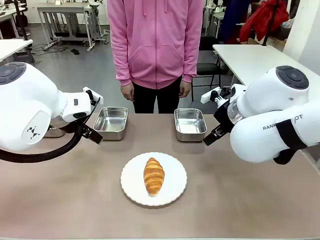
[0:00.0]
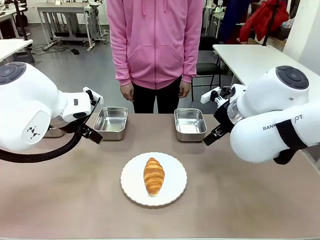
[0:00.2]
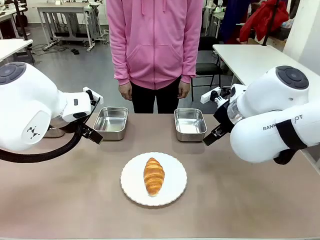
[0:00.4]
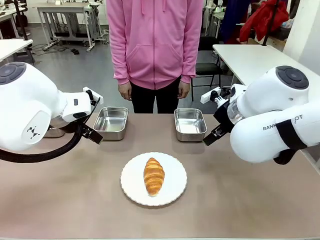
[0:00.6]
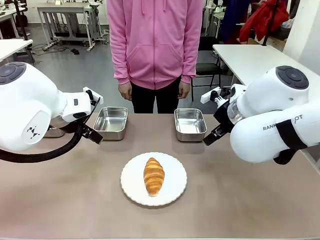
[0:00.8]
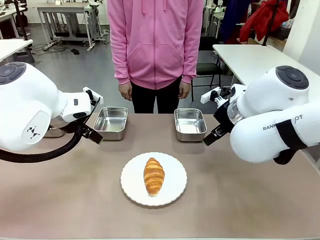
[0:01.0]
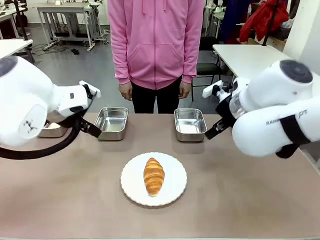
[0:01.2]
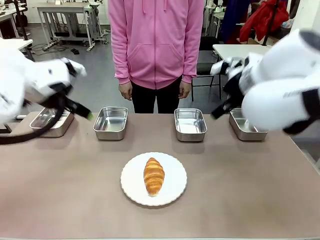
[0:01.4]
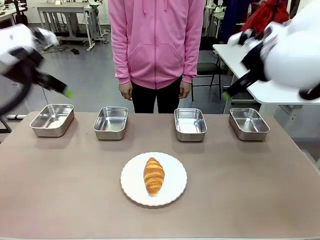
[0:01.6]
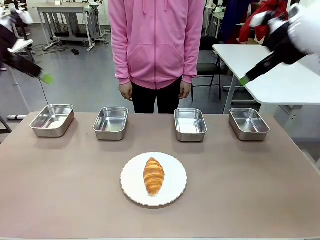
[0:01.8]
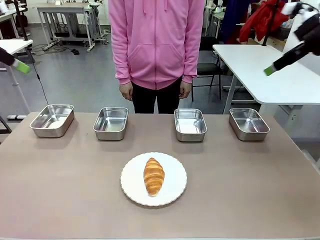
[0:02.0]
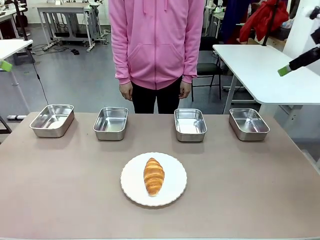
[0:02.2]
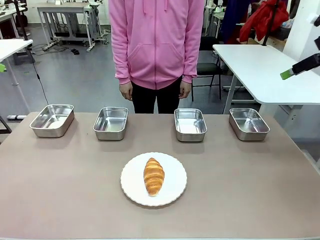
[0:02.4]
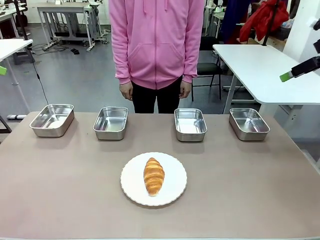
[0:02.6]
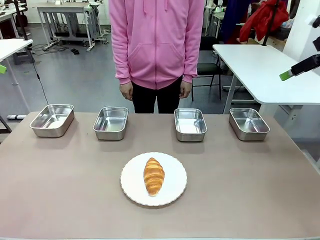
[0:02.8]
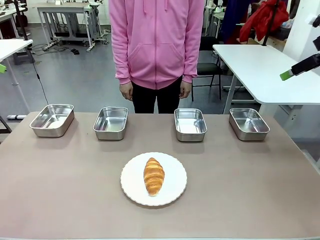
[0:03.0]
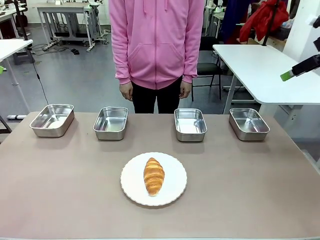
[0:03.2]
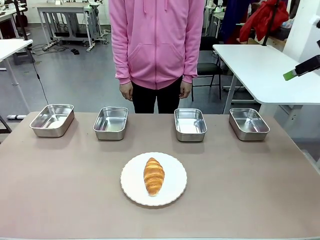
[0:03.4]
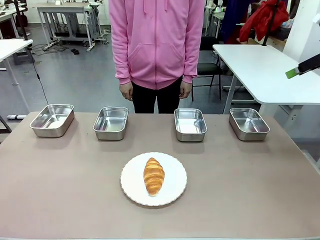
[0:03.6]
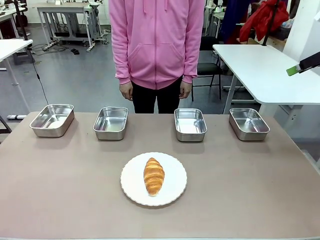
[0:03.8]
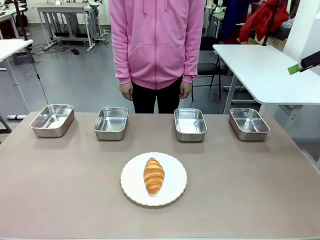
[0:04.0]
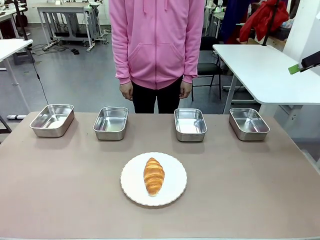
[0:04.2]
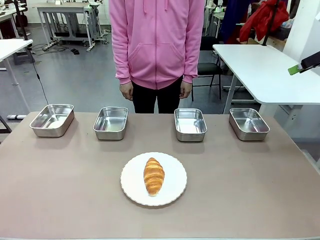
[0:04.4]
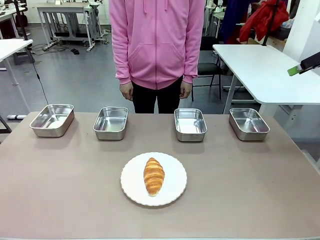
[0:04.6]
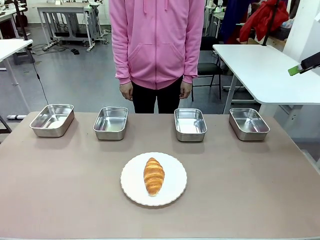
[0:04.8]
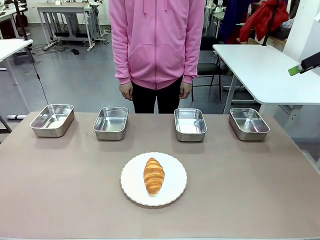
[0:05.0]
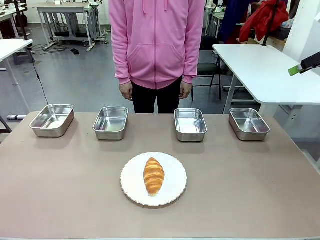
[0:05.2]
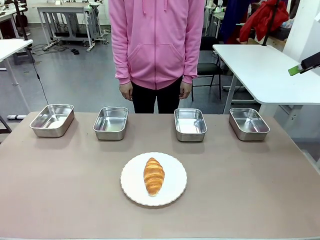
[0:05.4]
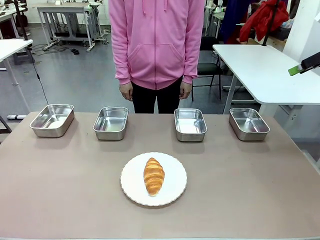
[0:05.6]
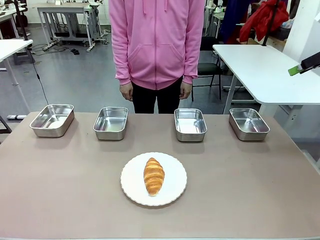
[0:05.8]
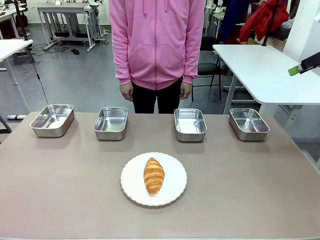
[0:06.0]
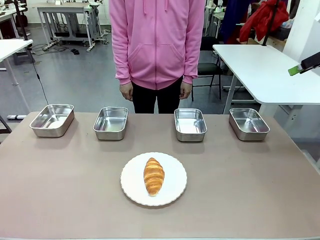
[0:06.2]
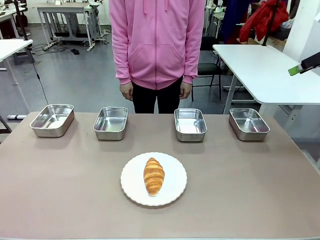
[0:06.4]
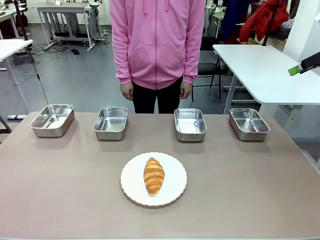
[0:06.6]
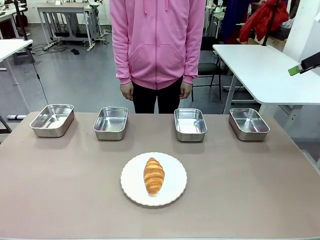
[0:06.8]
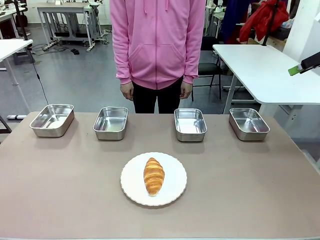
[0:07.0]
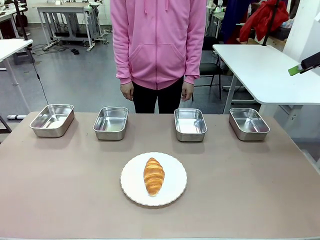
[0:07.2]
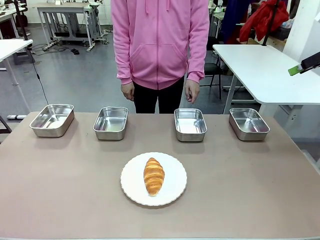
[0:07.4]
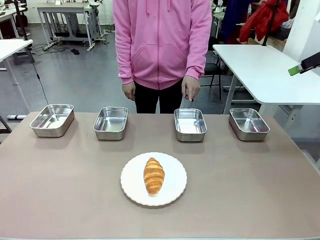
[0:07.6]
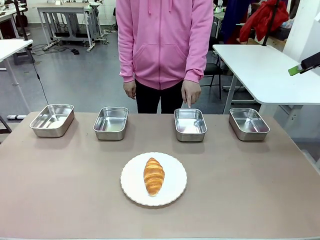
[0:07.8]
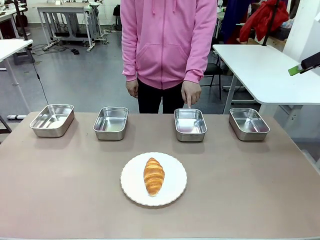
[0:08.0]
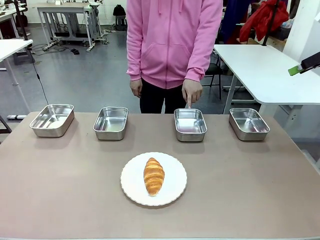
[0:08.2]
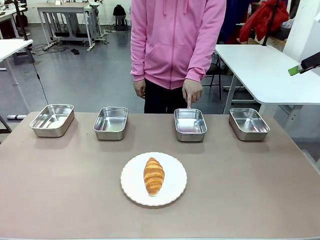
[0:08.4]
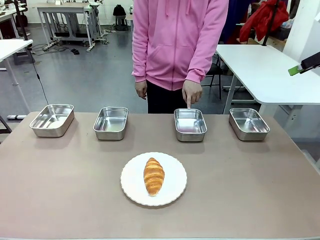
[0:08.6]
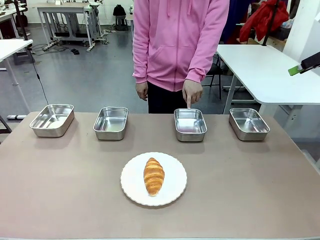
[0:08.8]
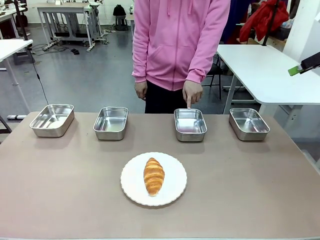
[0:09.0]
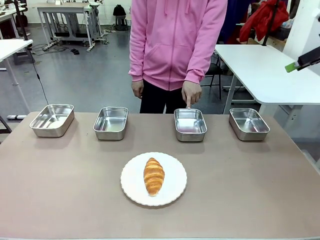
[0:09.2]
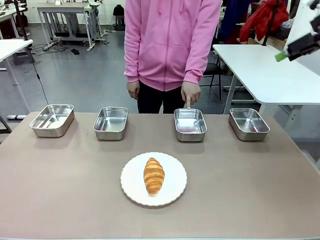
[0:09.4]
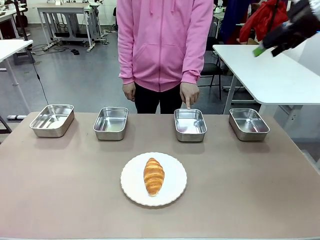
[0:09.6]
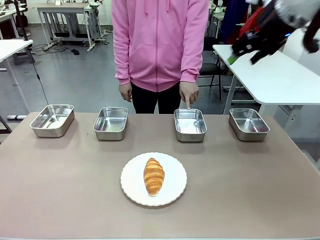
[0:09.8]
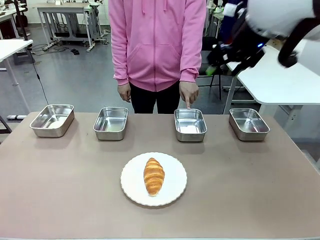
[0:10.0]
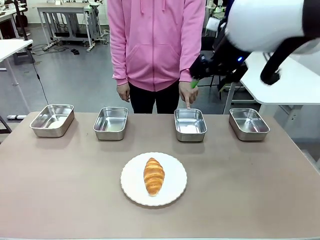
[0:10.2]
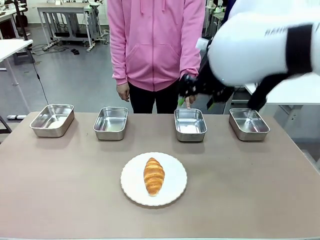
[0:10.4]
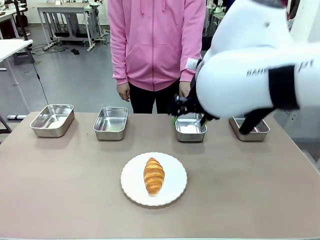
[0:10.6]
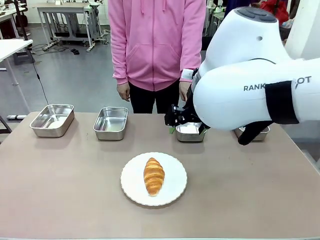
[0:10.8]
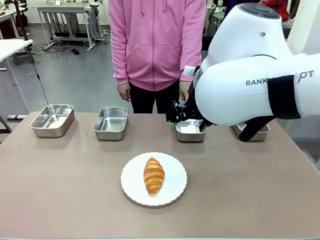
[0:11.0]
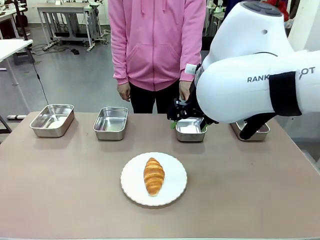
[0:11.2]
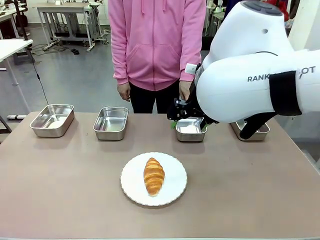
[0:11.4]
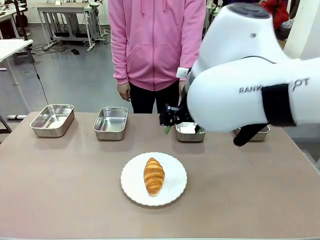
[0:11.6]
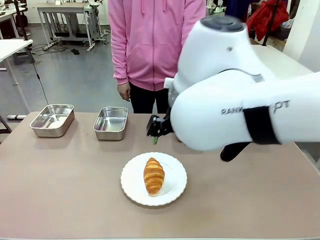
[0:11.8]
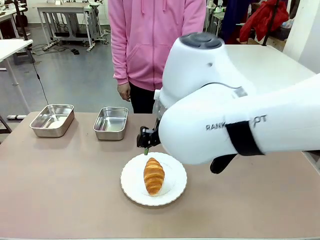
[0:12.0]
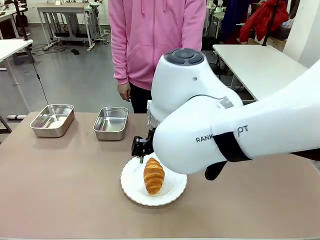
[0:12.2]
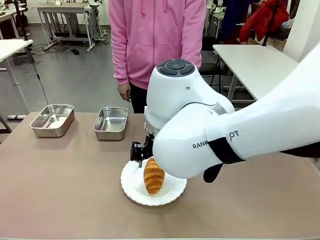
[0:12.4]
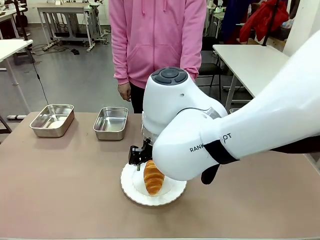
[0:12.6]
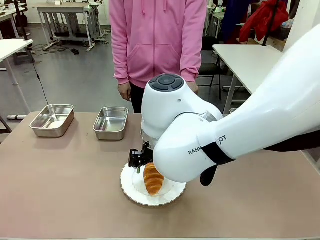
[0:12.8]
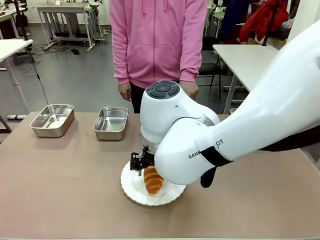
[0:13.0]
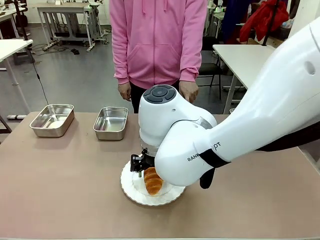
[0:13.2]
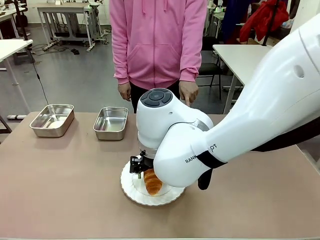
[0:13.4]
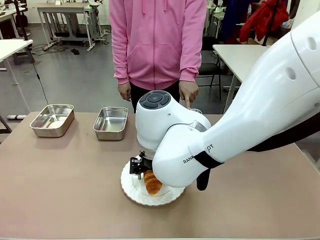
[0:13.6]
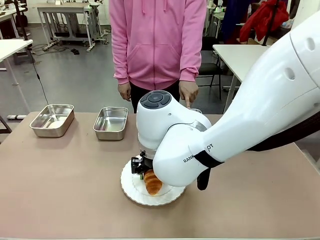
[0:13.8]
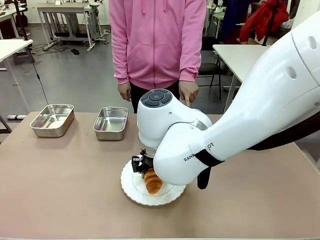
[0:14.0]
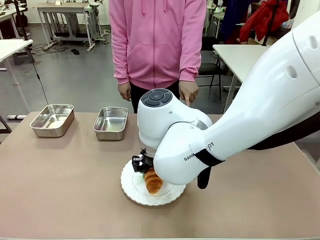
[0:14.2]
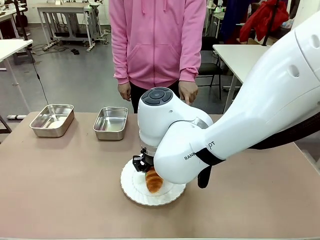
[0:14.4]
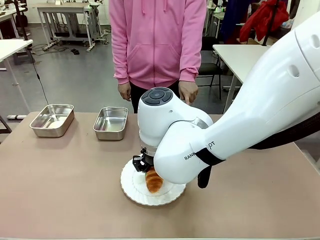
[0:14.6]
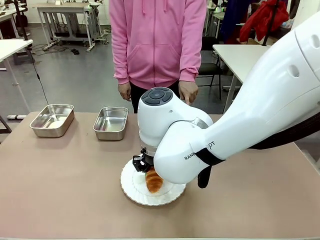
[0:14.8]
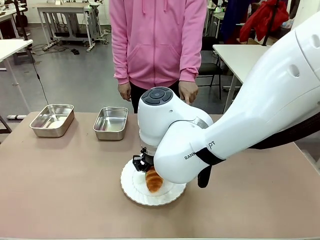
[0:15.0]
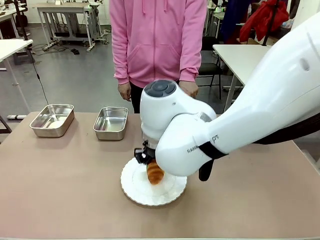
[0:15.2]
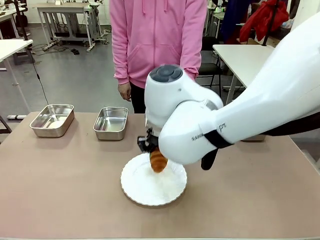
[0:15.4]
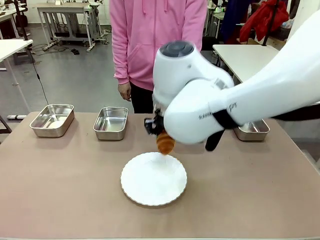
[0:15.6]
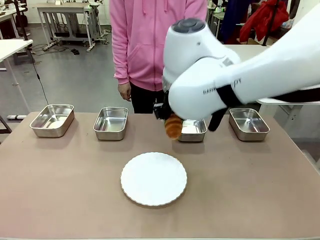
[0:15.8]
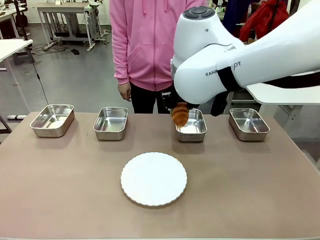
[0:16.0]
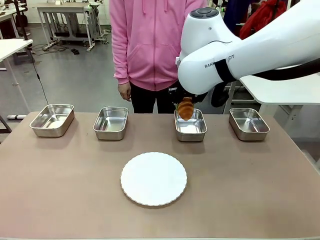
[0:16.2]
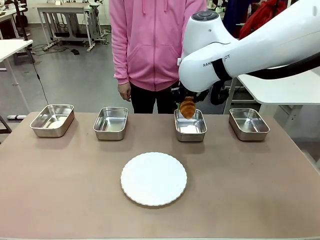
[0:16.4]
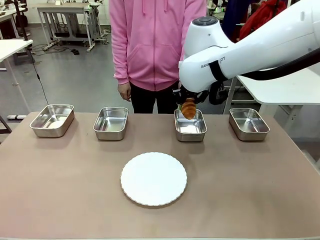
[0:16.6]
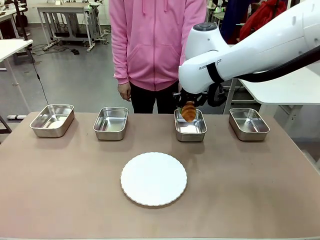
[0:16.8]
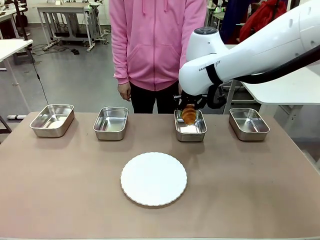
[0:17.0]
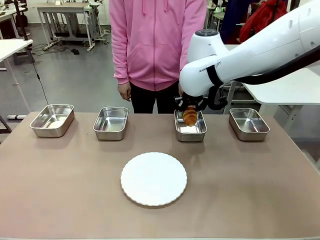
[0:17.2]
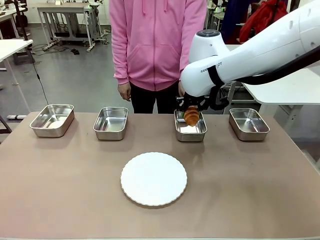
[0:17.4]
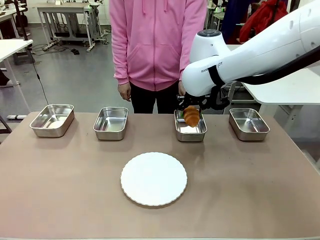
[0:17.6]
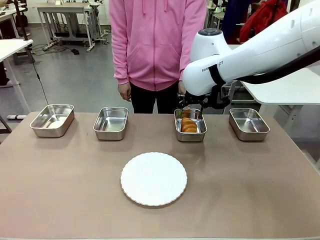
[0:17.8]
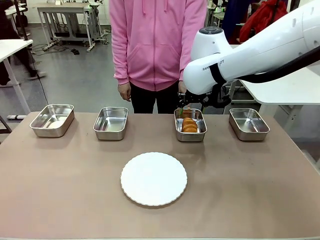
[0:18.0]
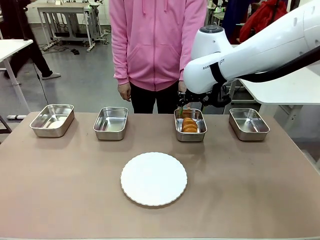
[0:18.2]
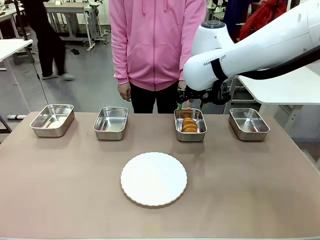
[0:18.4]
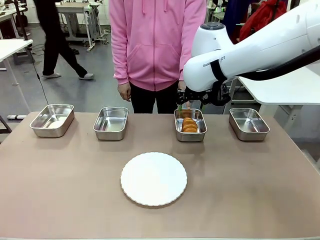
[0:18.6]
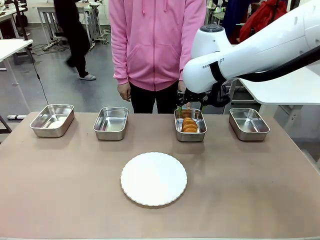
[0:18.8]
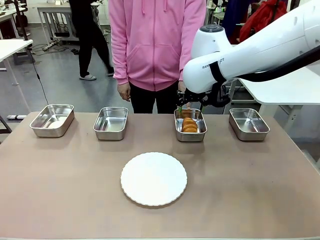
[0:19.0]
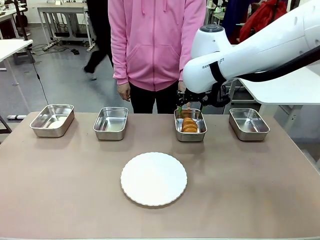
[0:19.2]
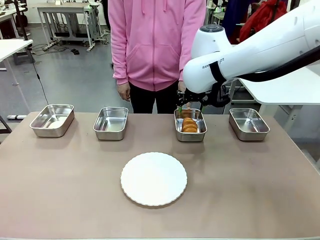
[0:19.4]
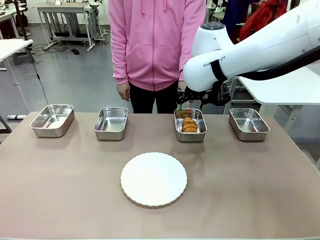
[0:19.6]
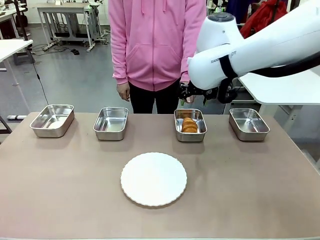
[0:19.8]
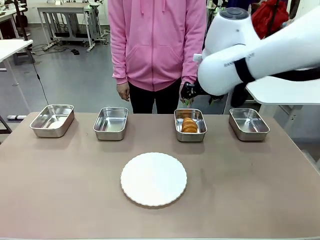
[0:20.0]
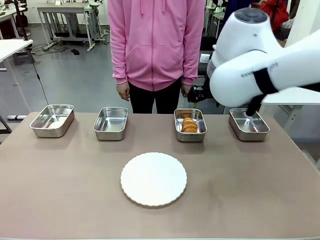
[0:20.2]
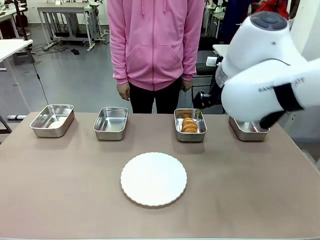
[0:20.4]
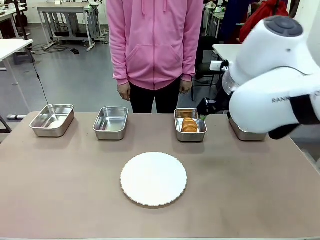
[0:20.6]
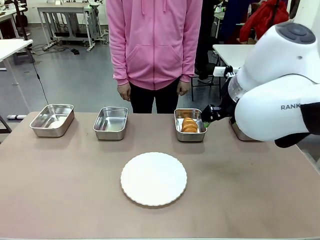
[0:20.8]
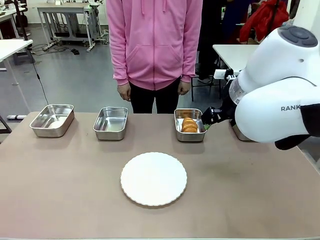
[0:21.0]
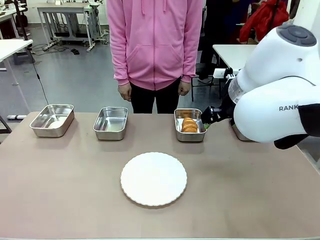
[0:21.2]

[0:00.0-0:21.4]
Task: Place the bread in the container.
Robot: Place the Butter Roll into the Airtight Container indicated by the human.
Person: A person randomly selects and points to an Airtight Container.
